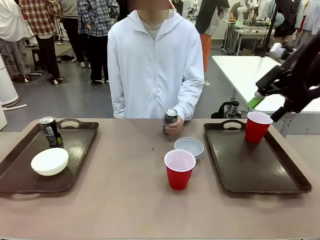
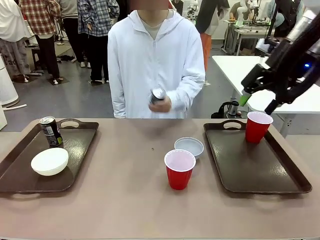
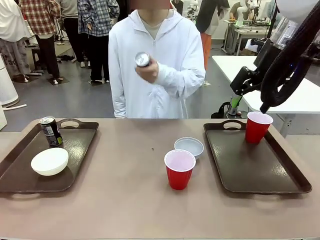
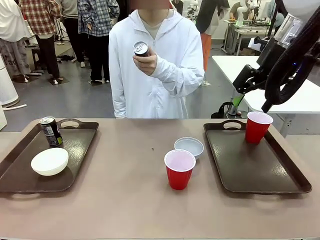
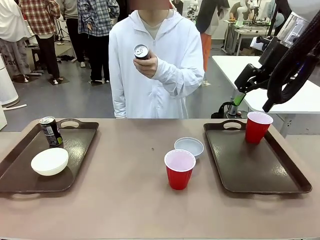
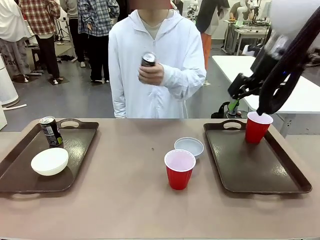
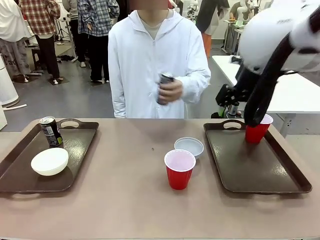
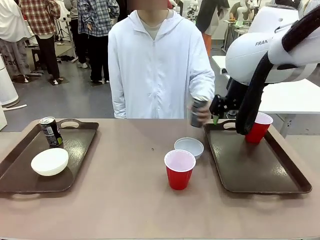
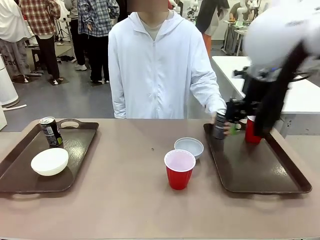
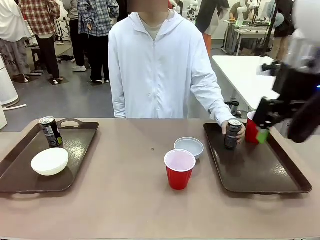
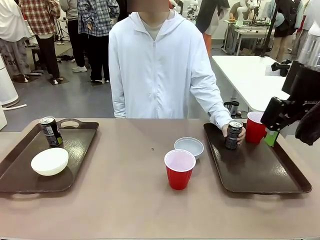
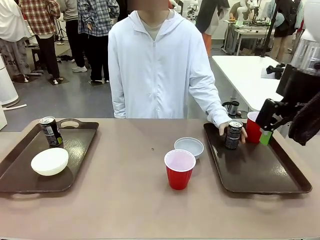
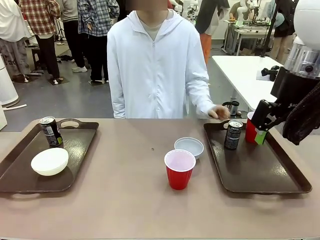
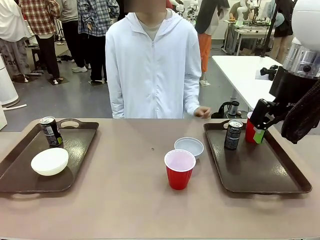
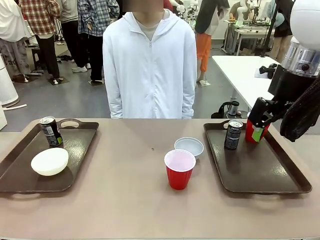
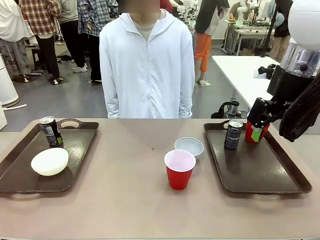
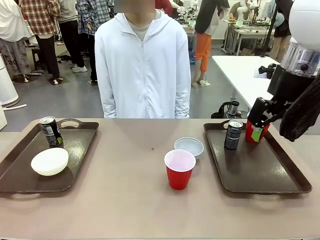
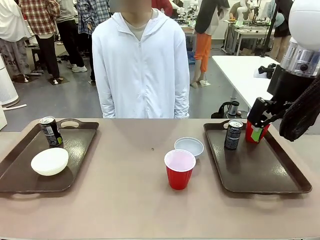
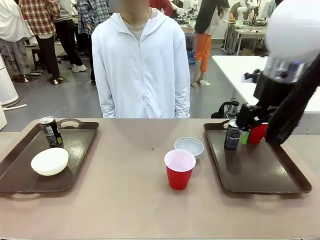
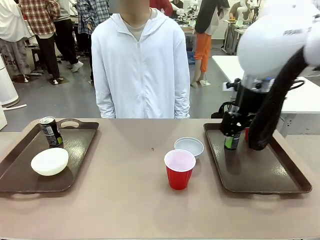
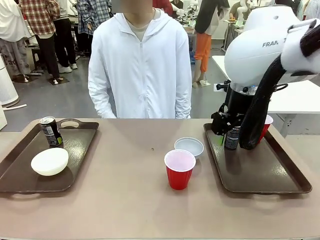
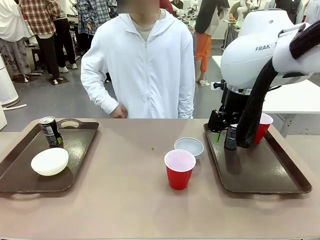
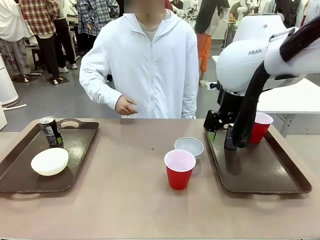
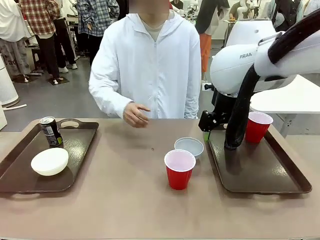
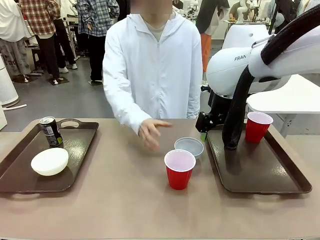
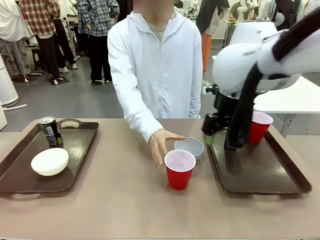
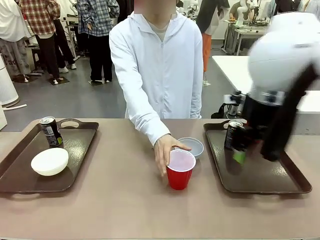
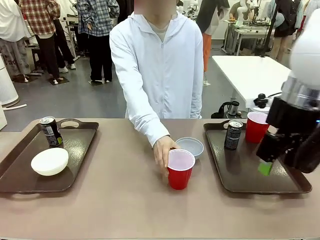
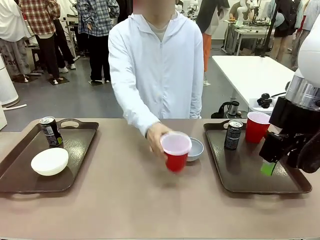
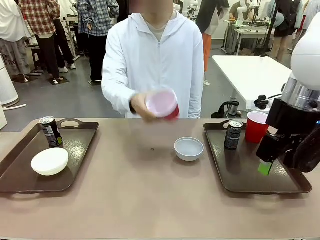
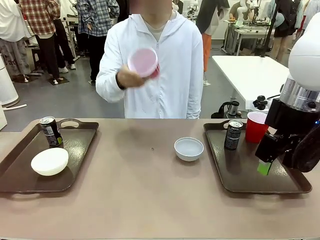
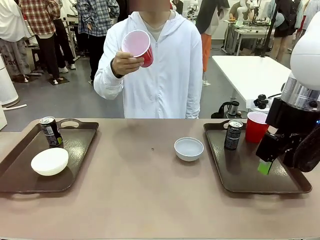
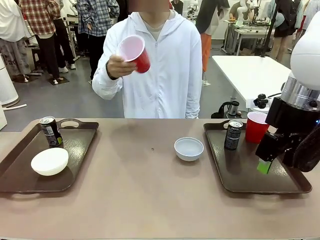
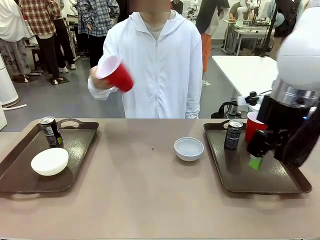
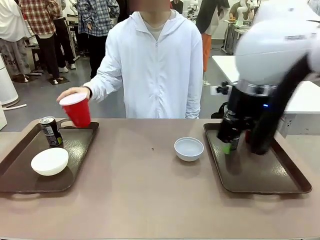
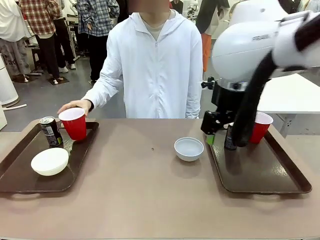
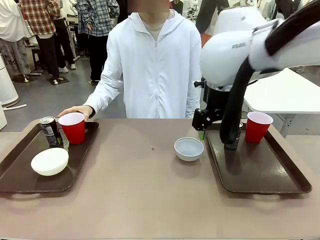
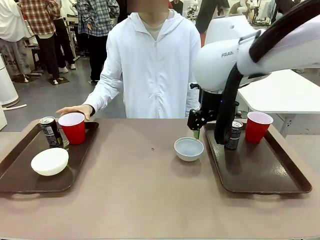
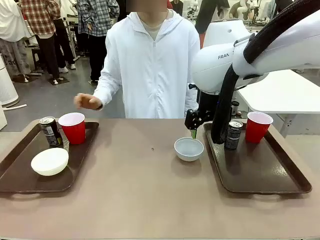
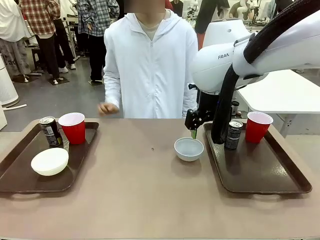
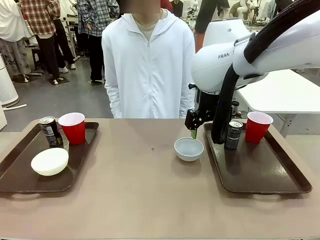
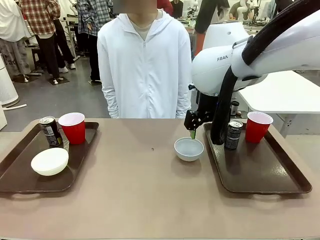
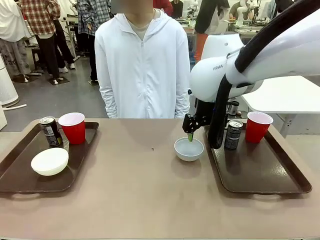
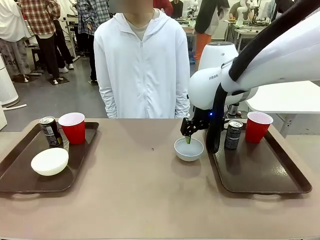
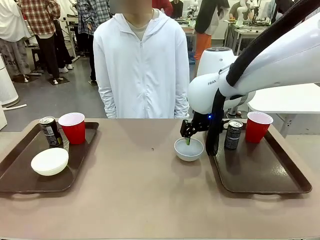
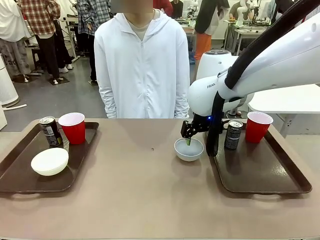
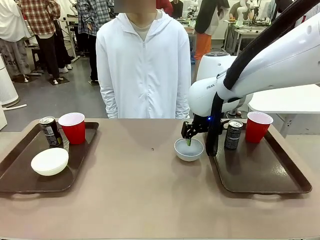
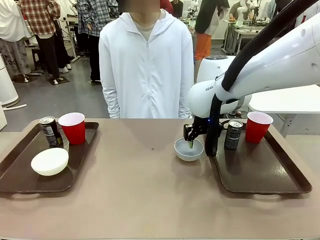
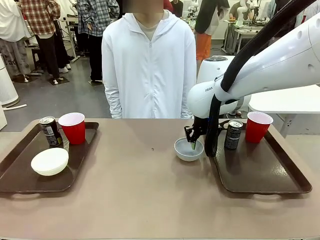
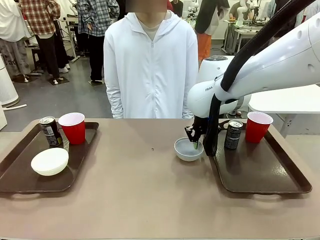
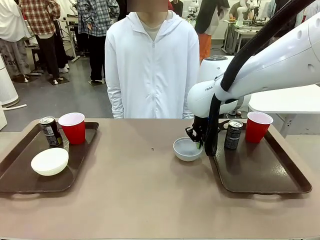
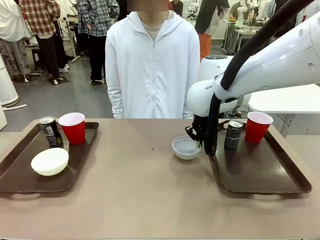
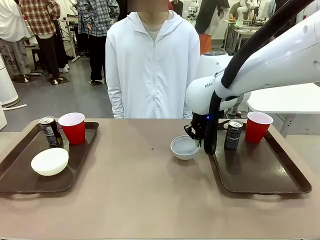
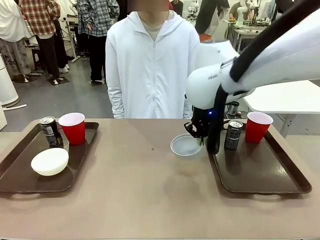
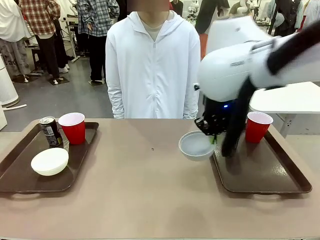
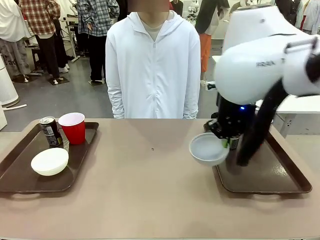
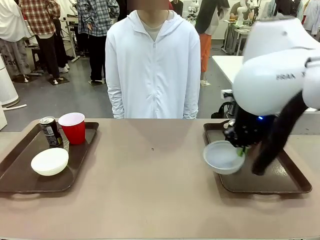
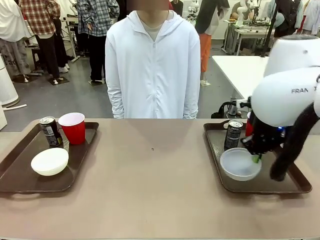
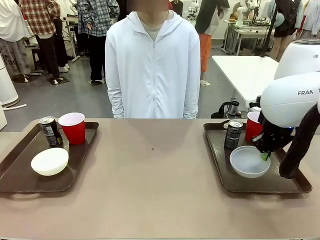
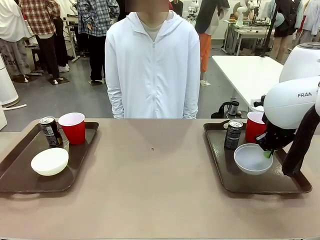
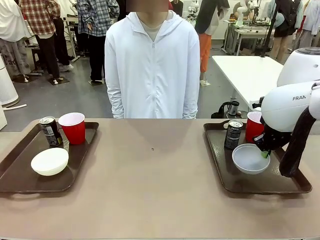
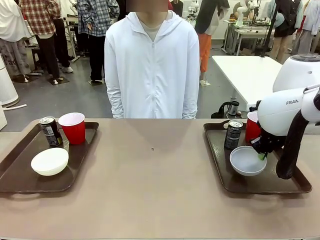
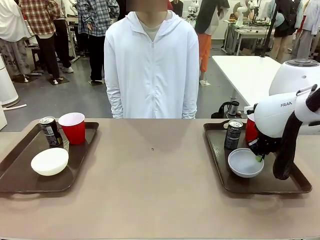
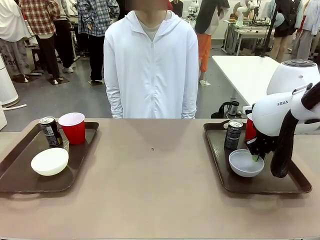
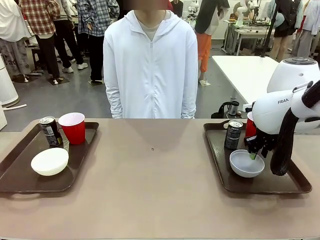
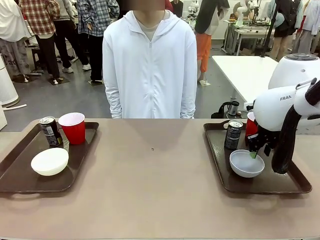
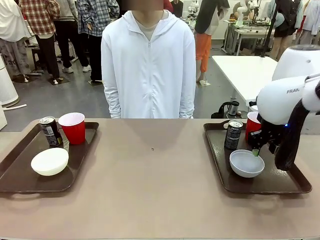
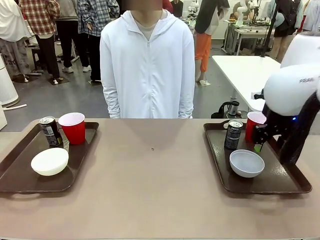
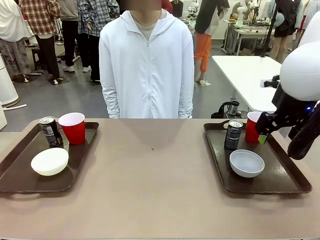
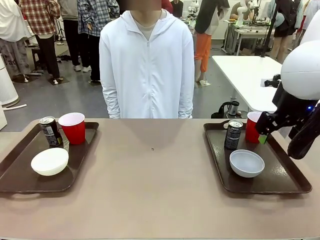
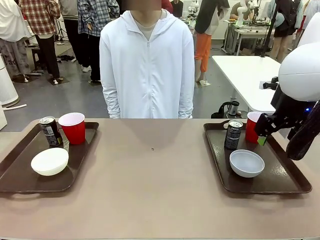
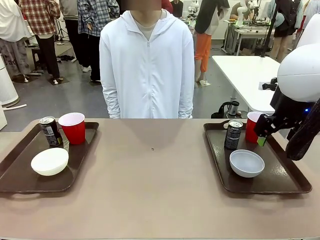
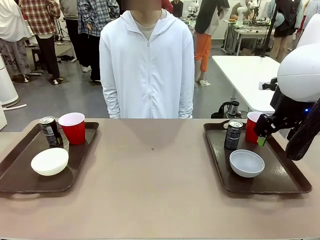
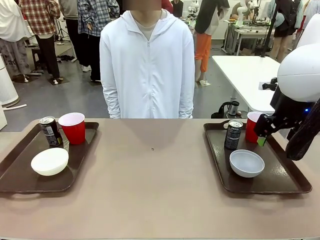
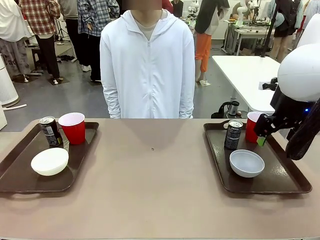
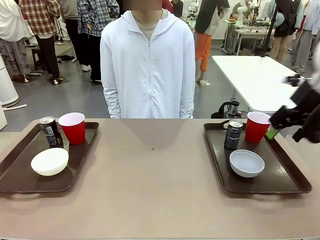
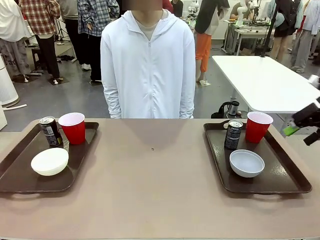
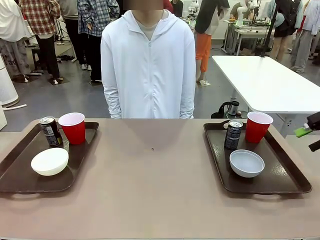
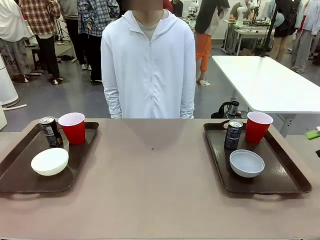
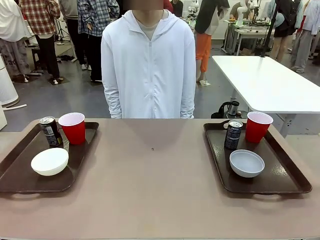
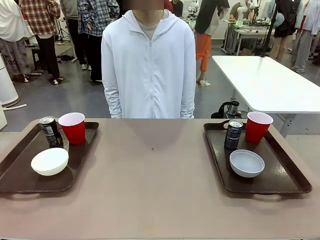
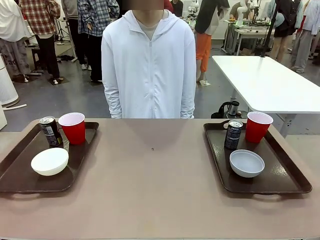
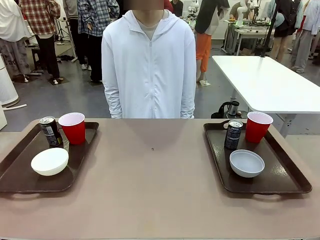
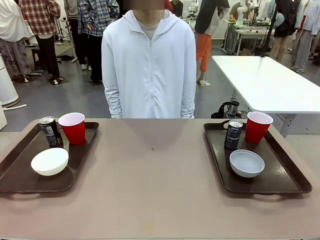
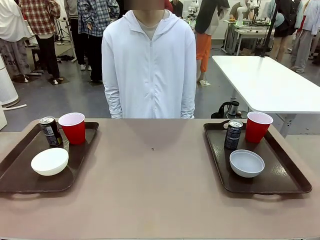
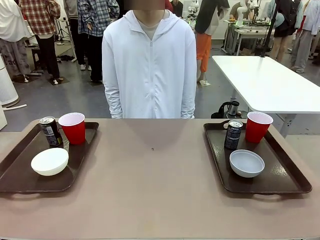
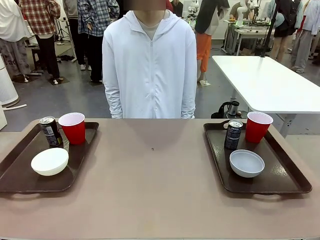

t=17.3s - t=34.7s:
Task: Prepare tableware on both trays.
Robot: Pick up a Picnic Bowl from the table and place it on a Handle tray.
Person: Pick up a can or cup and place it on the tray without a can or cup.
